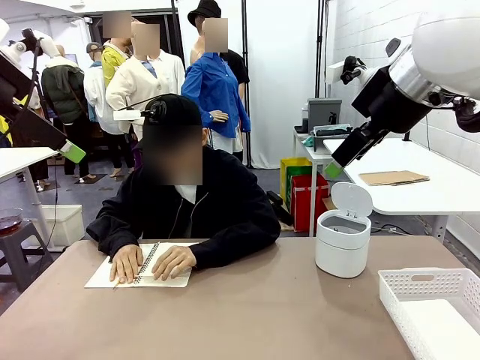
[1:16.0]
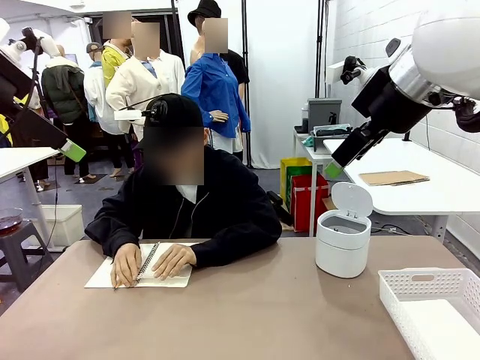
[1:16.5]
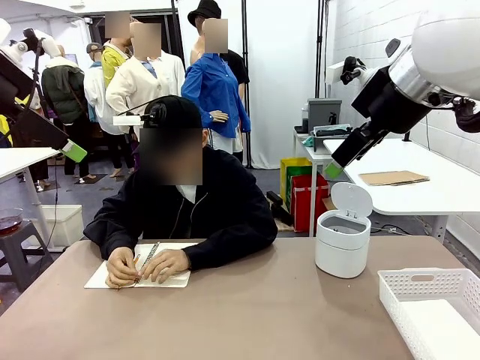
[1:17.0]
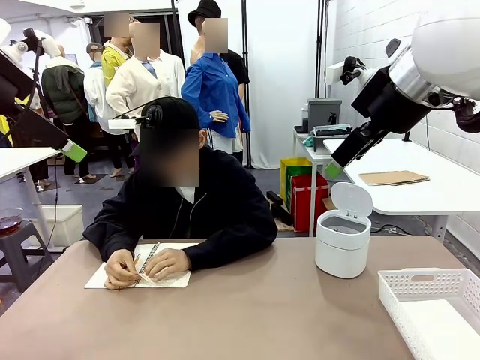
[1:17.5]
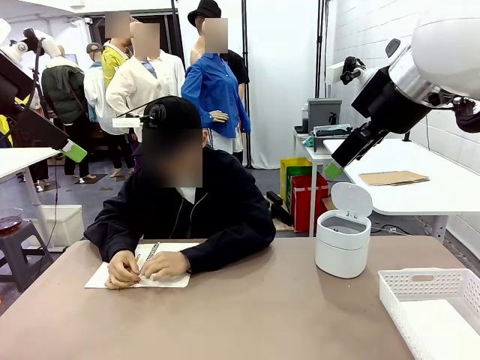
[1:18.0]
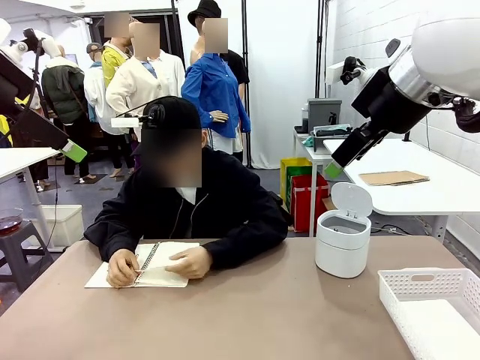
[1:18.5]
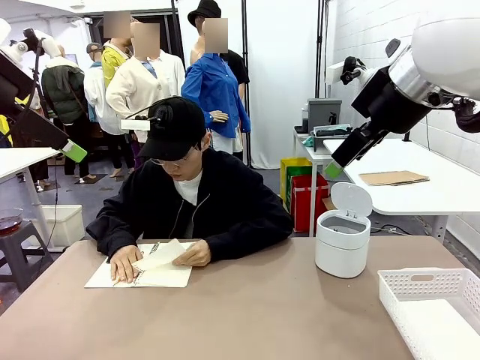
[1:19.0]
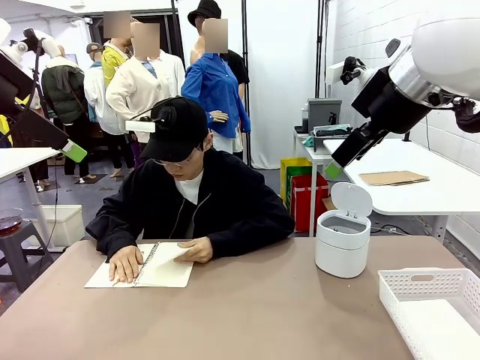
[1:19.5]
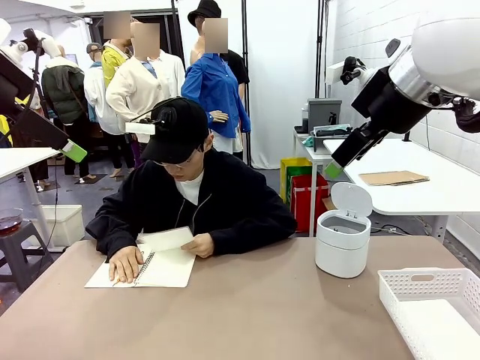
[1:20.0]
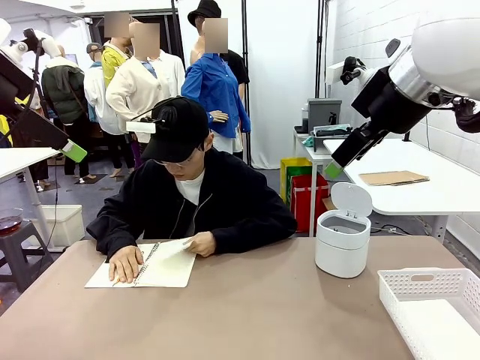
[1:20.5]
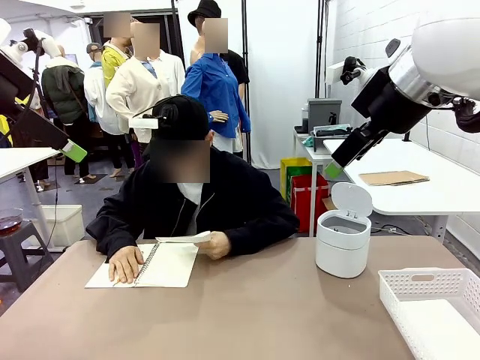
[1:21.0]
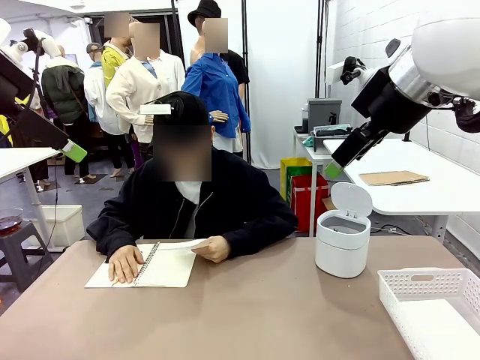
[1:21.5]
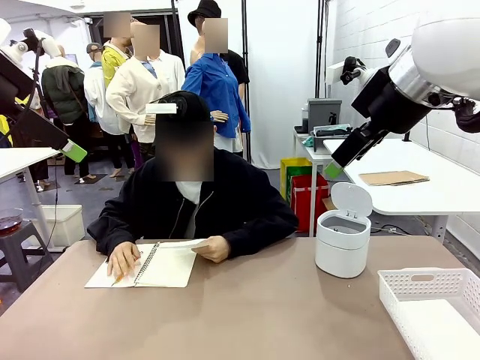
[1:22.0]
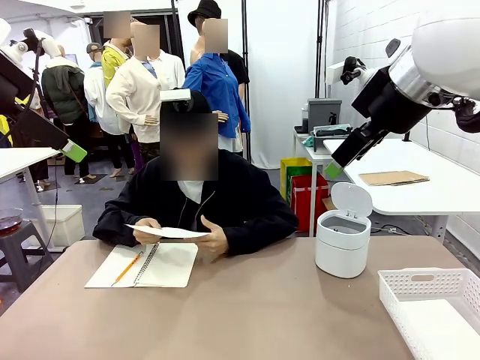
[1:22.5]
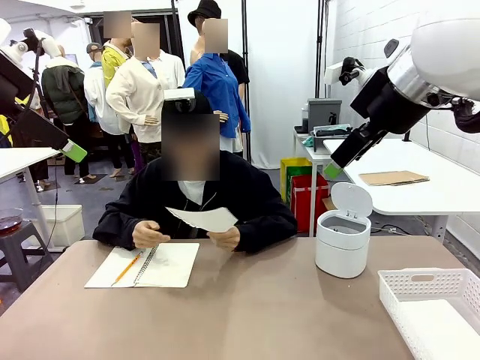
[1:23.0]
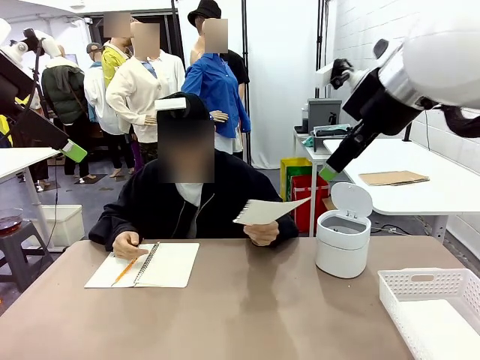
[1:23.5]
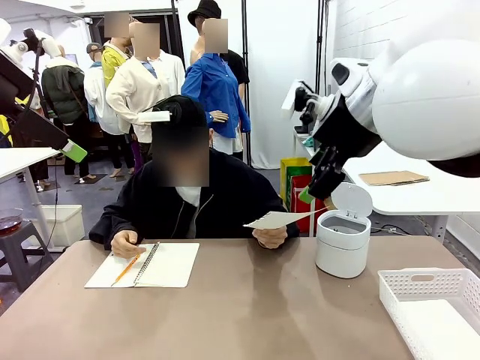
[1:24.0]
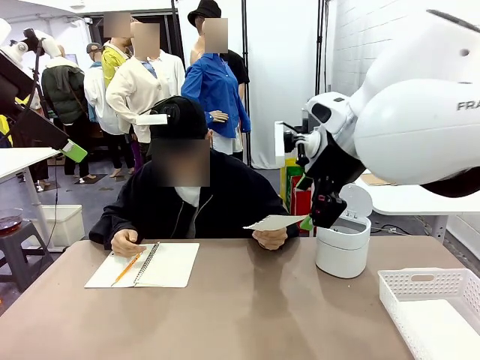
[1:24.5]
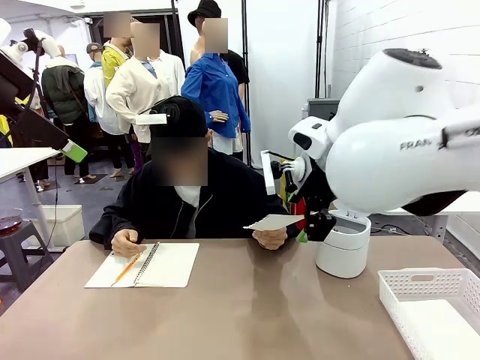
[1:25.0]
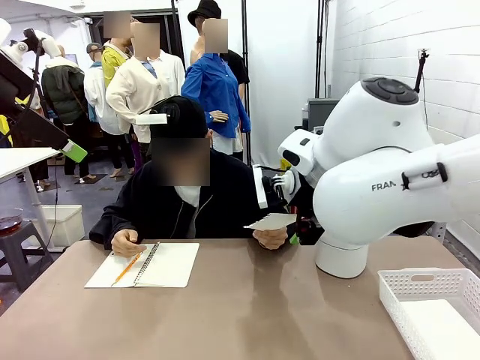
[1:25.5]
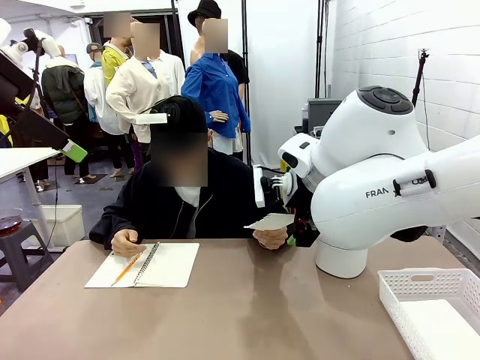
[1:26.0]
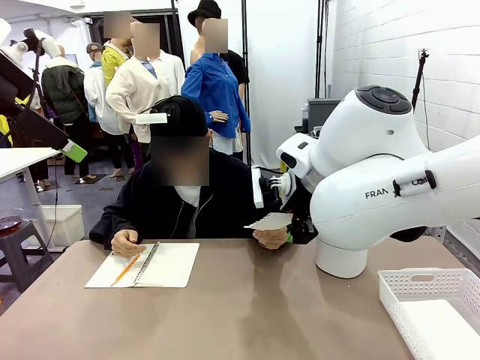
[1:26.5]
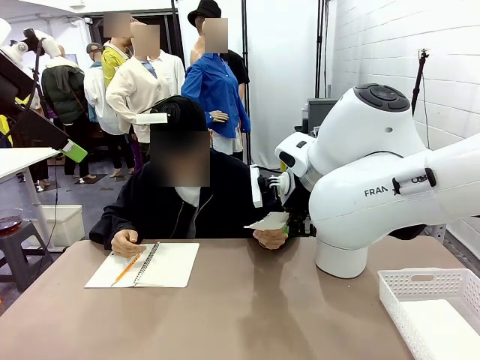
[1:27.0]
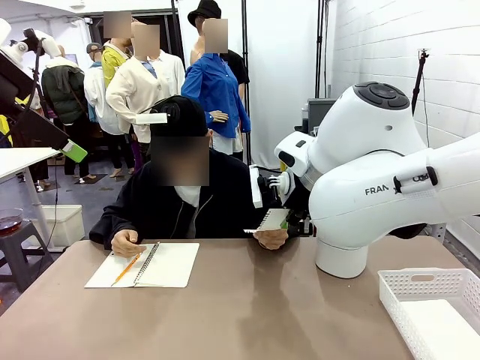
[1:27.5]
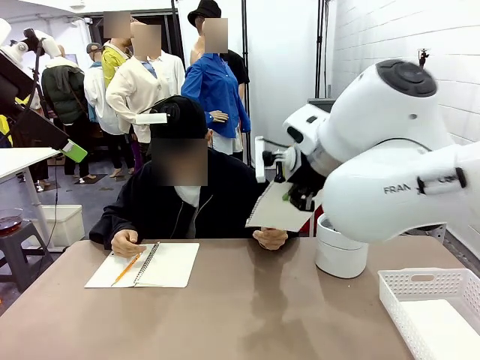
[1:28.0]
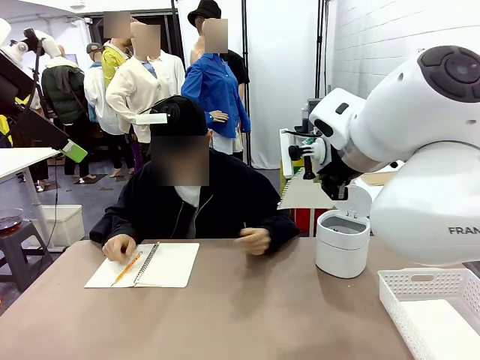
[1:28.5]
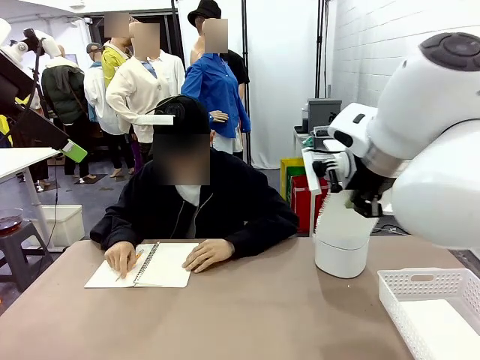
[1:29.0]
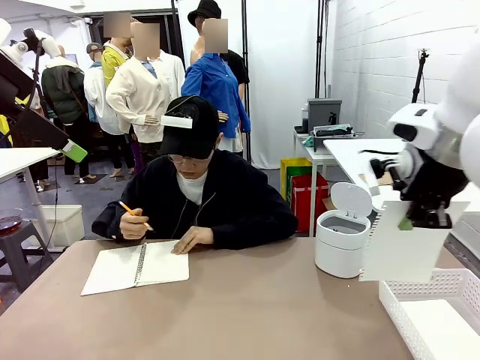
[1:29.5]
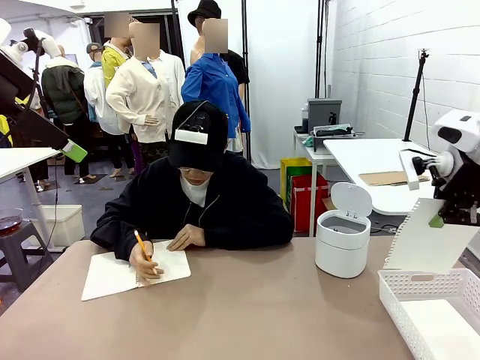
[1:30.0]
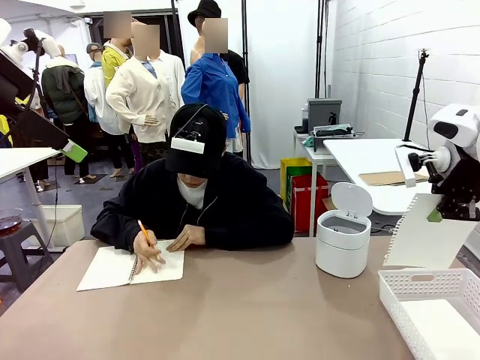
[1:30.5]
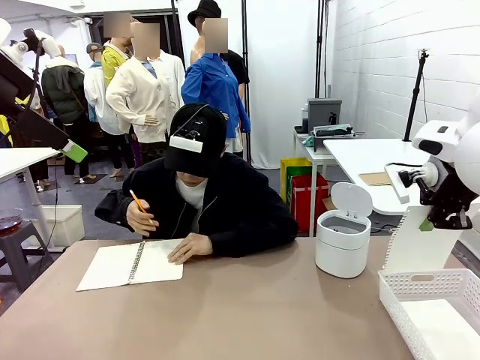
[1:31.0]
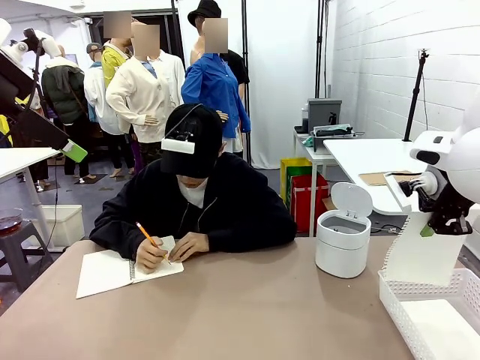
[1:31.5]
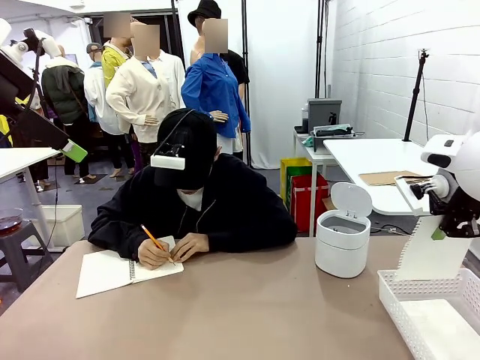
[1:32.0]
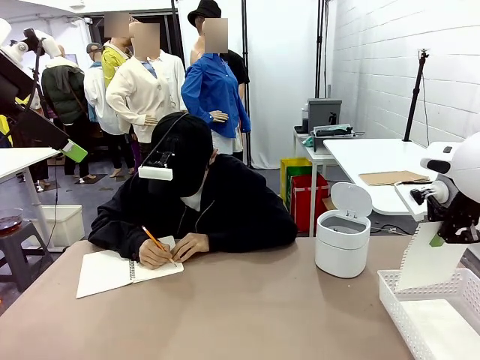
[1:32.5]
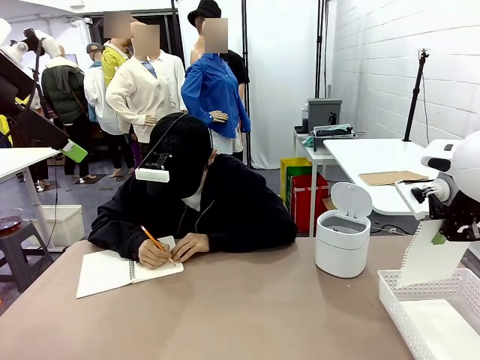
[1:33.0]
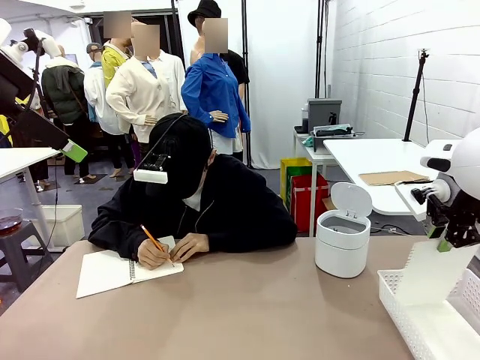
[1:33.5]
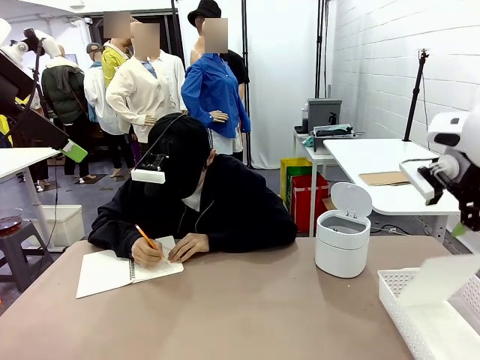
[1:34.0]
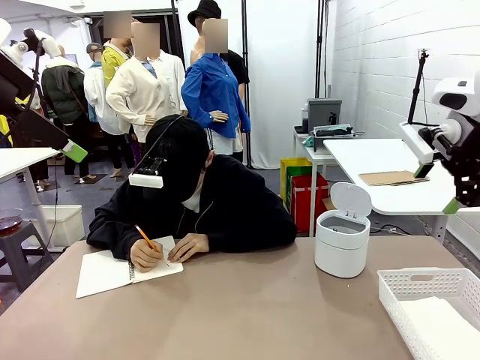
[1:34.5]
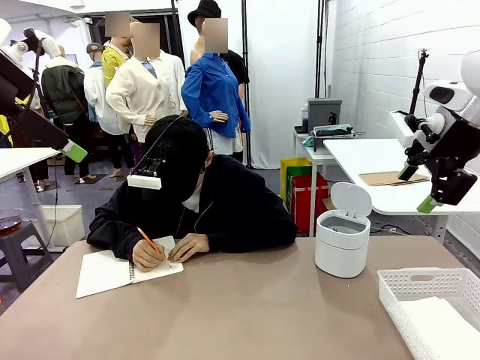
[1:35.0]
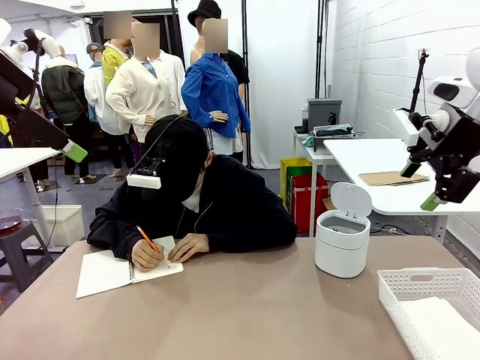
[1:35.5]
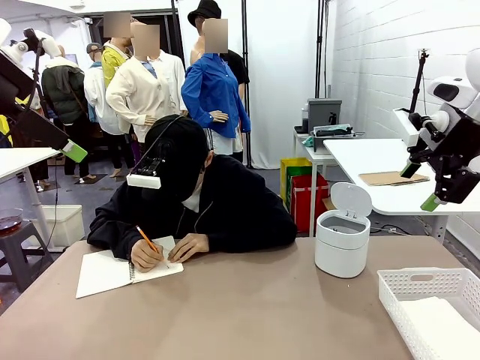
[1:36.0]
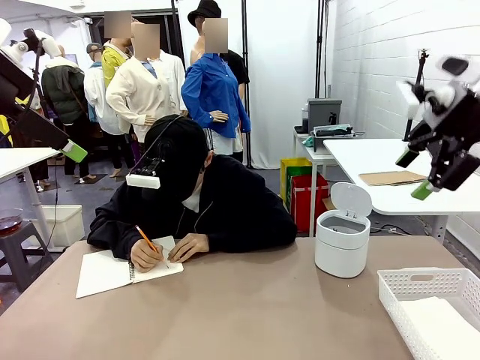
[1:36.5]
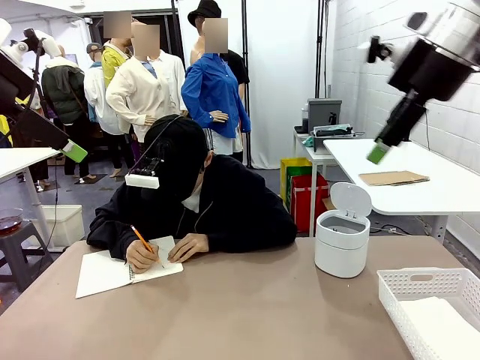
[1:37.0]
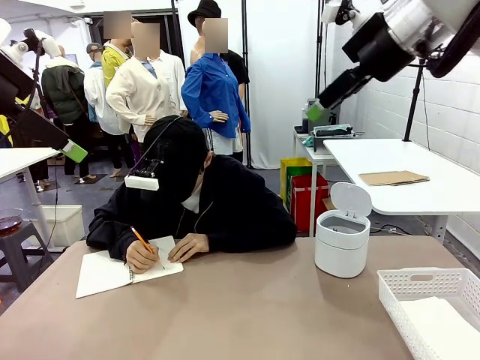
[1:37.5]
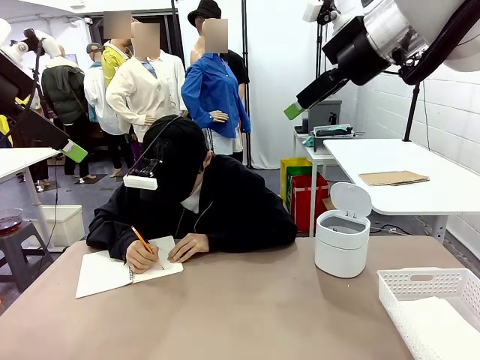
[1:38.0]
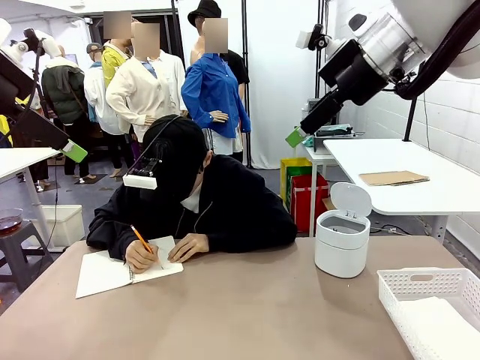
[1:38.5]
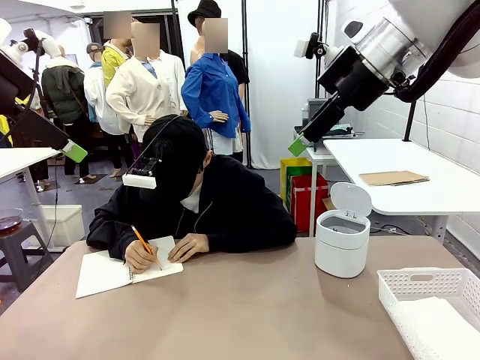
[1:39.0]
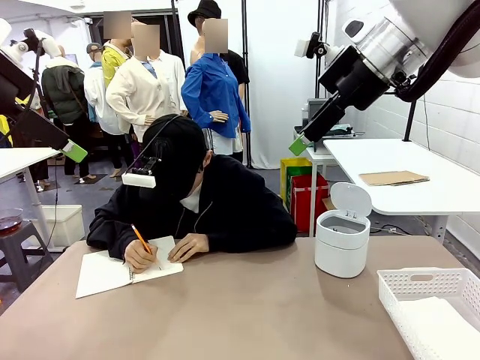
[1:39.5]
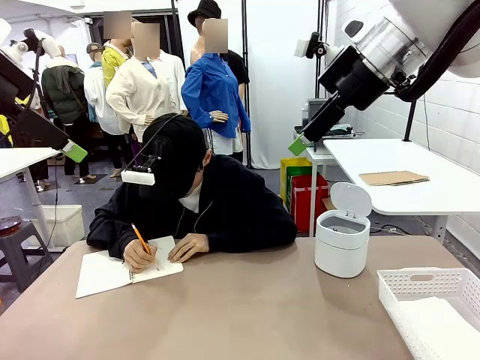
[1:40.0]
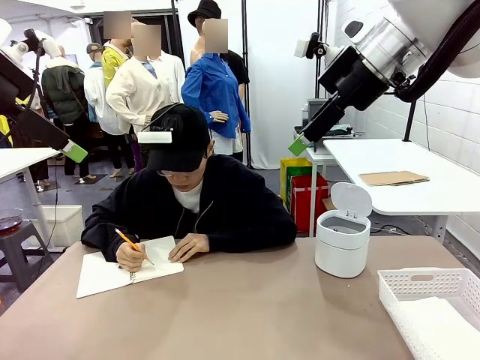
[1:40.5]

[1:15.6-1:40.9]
Task: Sort the paper based on its condition.
Robot: If a person hands you a paper, place it in the Organizing basket , and if it's crumpled, put it in the Trash can.
Person: Hand the torn page to the robot or crumple it and throw it to the center of the table.

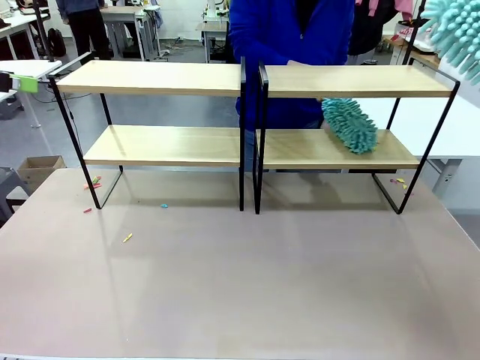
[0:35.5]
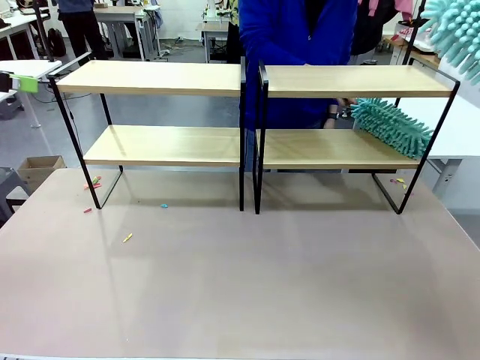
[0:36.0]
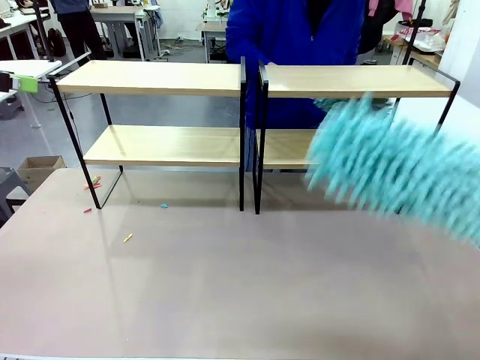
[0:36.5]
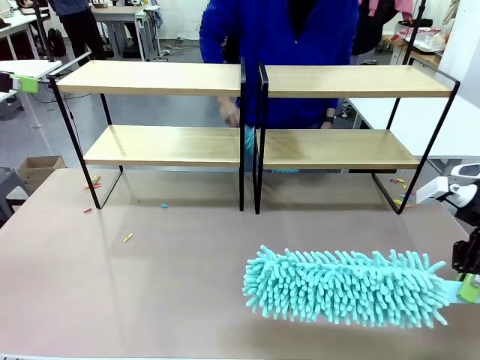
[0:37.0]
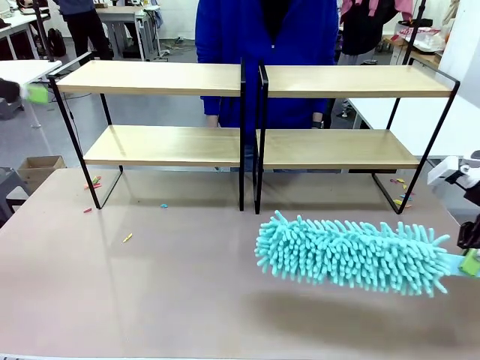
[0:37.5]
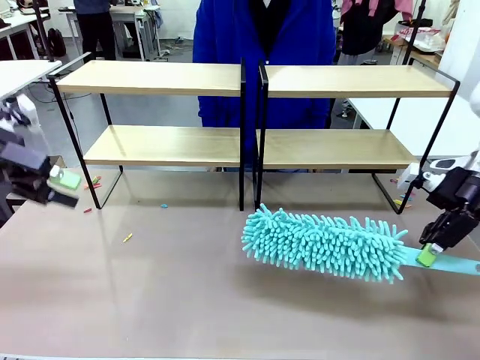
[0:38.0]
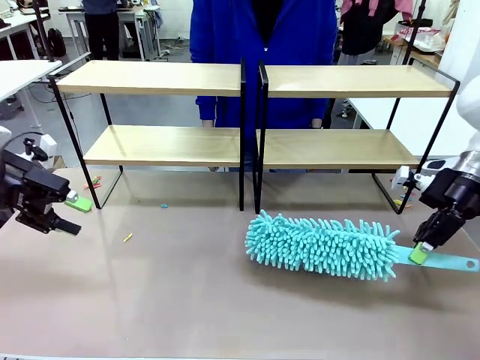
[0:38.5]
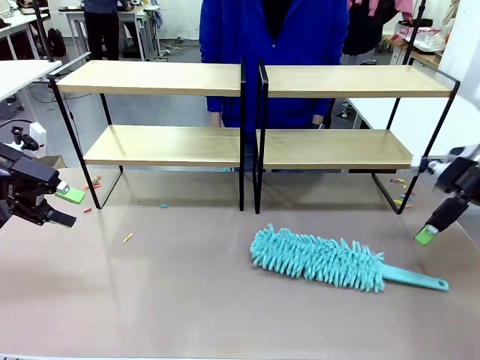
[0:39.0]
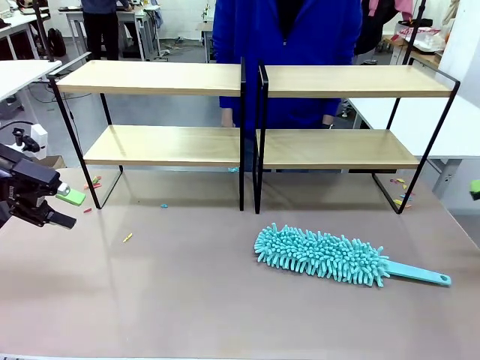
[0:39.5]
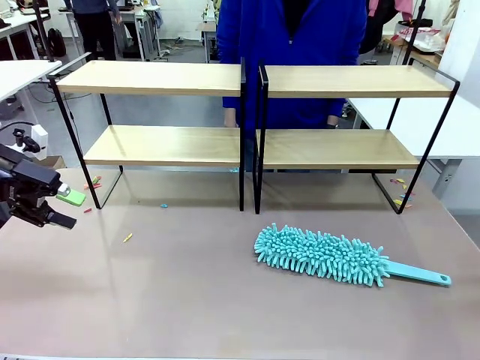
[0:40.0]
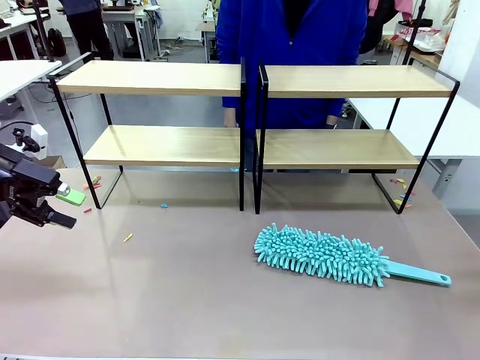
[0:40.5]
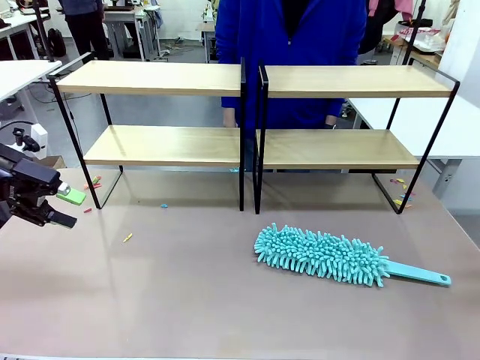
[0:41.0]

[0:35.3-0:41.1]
Task: Clean the shelves.
Robot: Place the Duster on the table.
